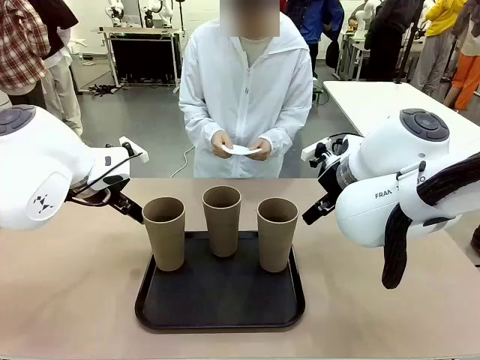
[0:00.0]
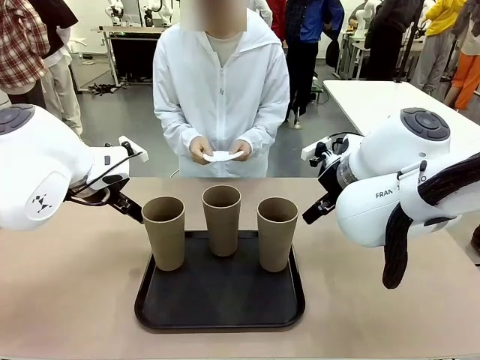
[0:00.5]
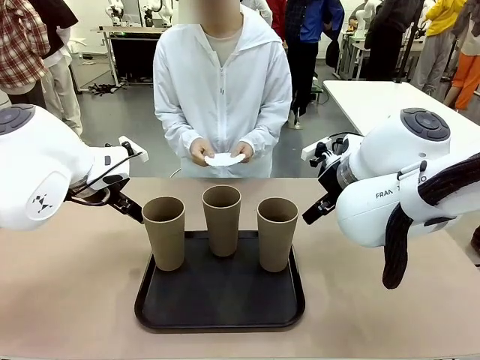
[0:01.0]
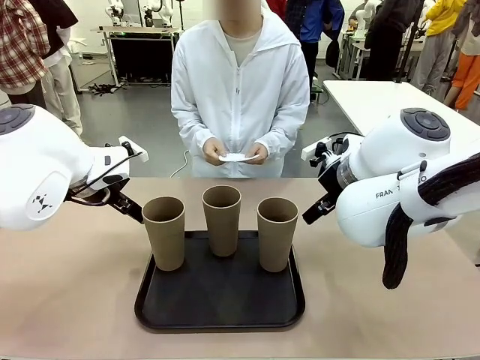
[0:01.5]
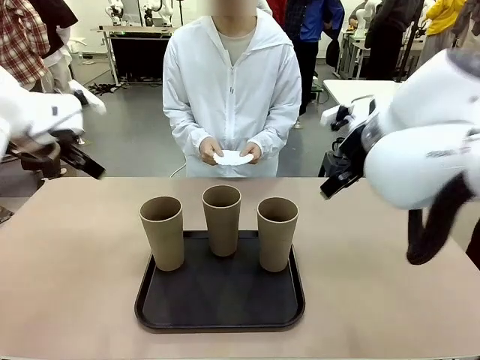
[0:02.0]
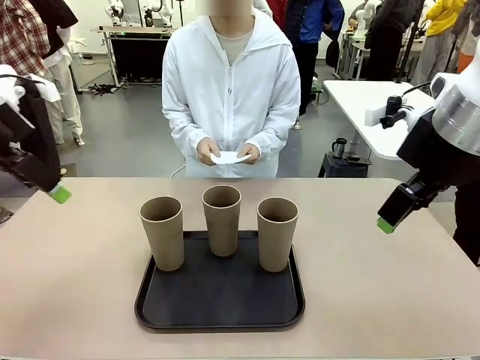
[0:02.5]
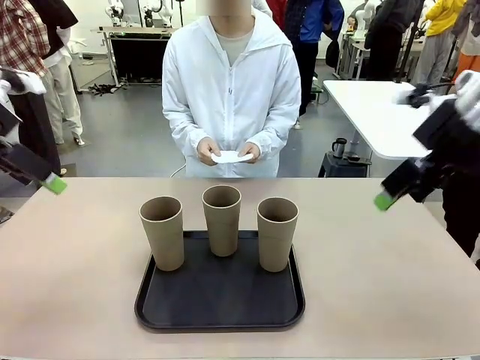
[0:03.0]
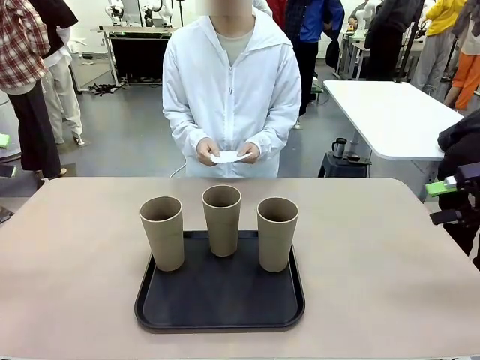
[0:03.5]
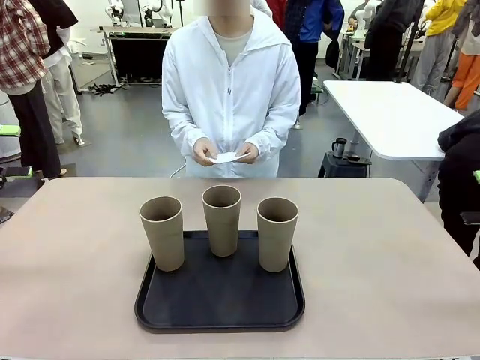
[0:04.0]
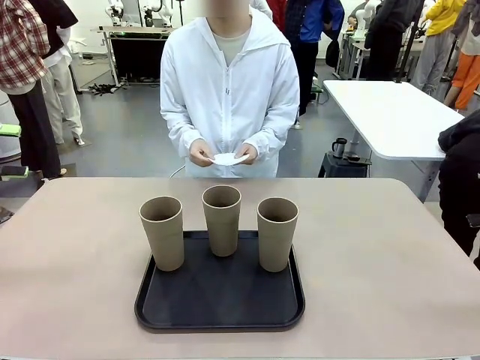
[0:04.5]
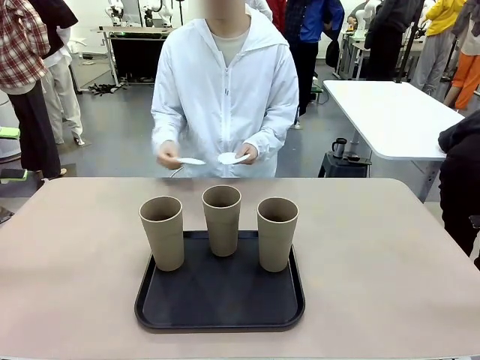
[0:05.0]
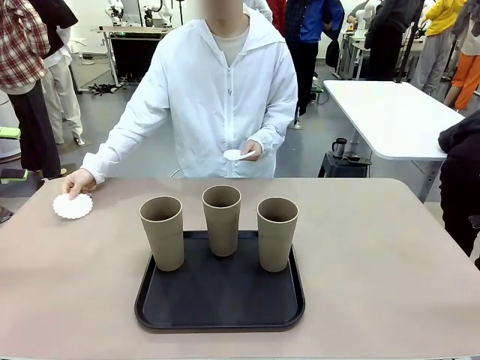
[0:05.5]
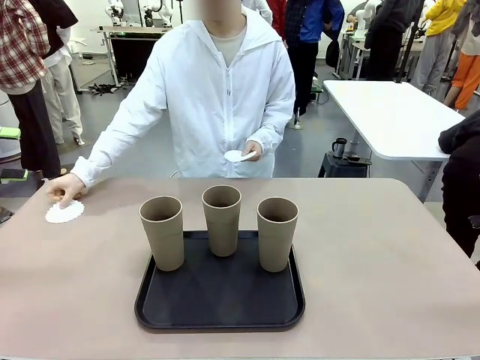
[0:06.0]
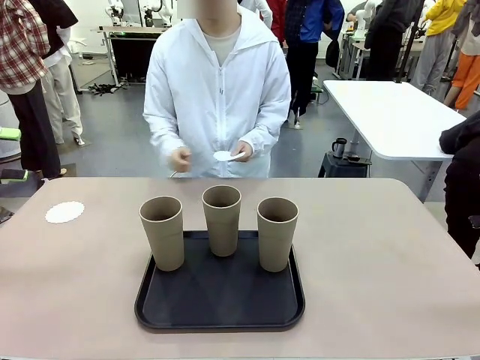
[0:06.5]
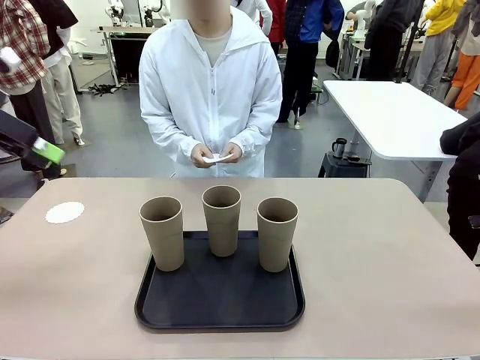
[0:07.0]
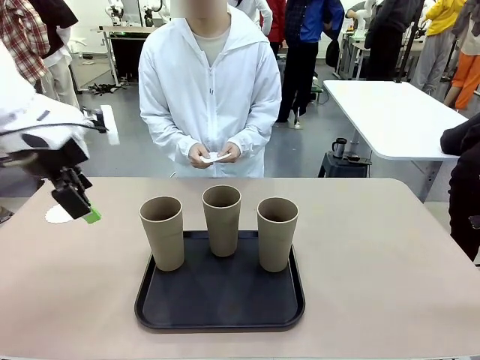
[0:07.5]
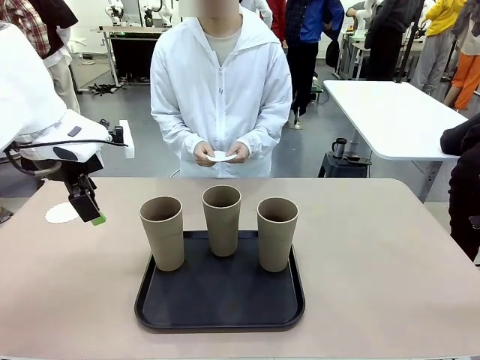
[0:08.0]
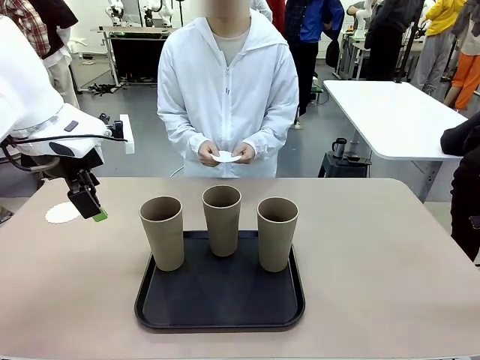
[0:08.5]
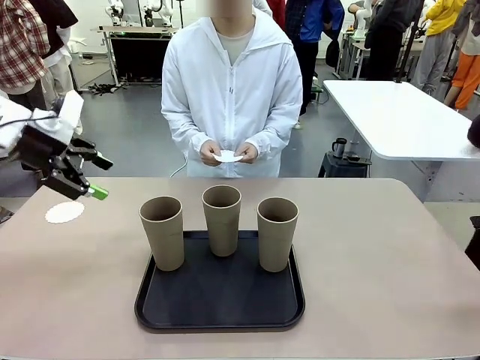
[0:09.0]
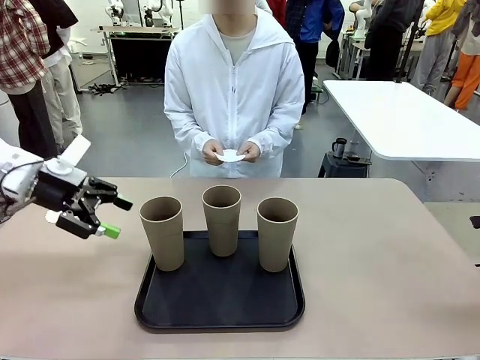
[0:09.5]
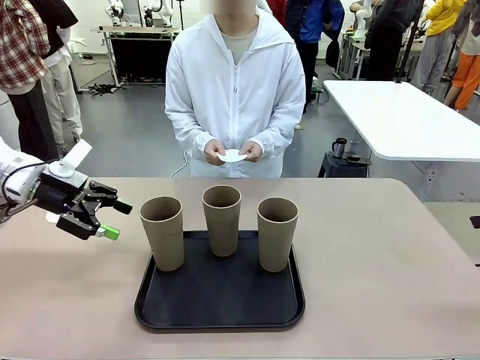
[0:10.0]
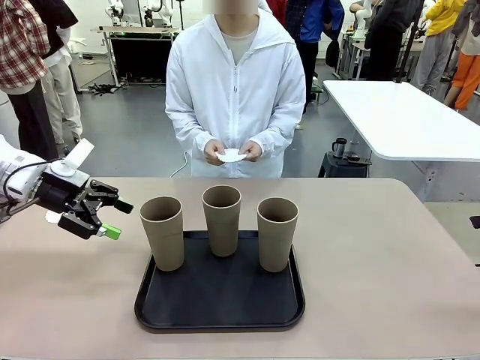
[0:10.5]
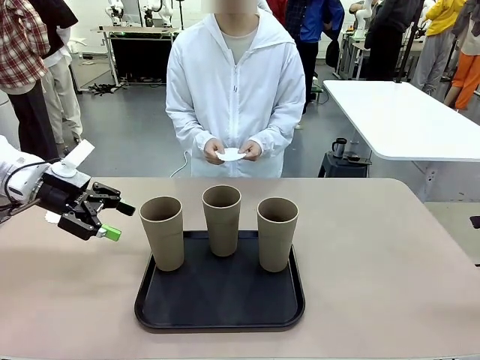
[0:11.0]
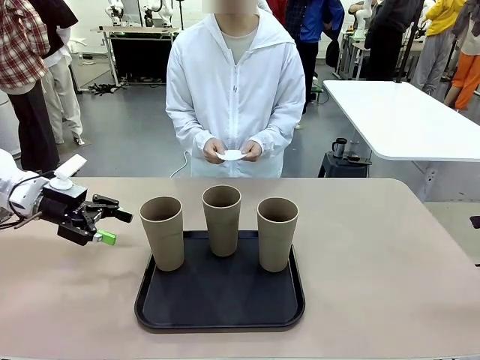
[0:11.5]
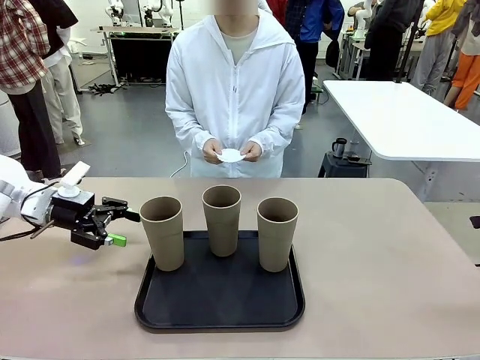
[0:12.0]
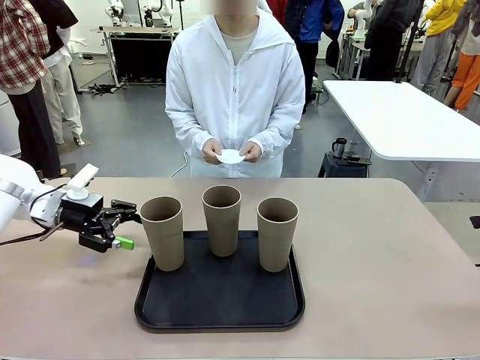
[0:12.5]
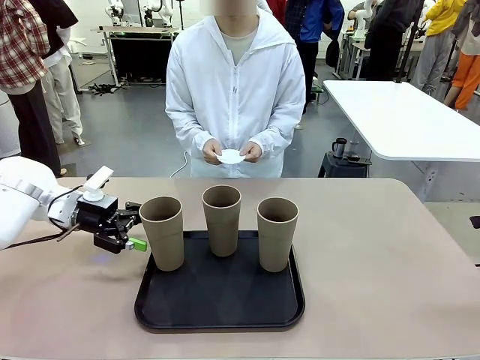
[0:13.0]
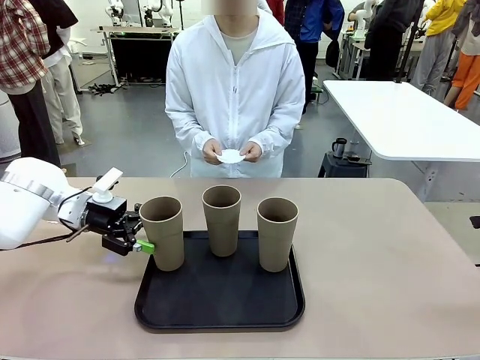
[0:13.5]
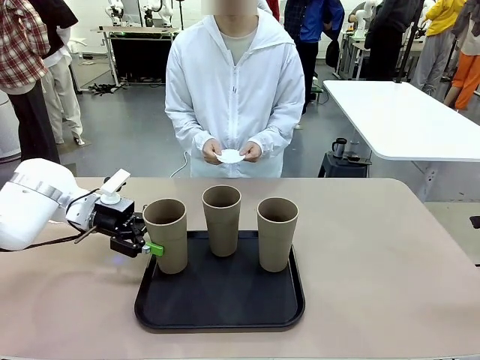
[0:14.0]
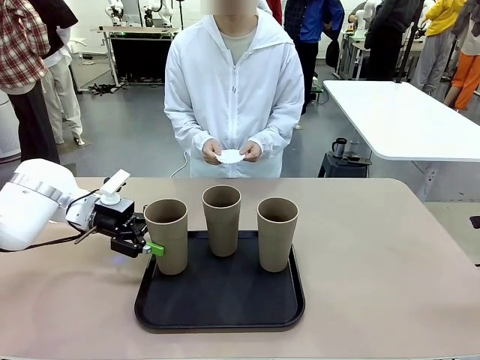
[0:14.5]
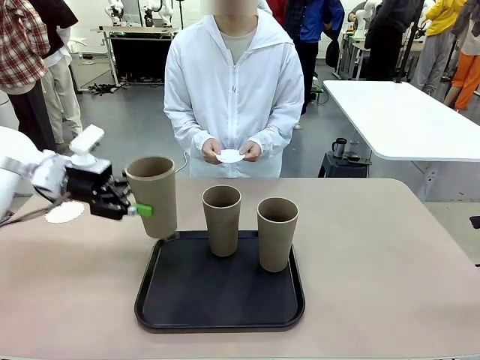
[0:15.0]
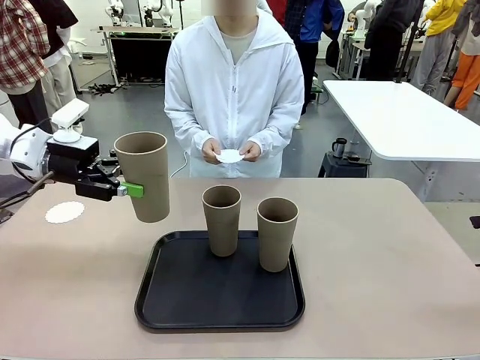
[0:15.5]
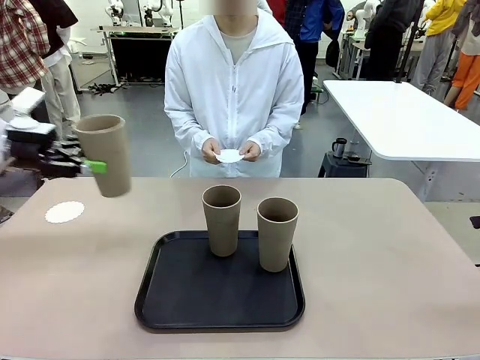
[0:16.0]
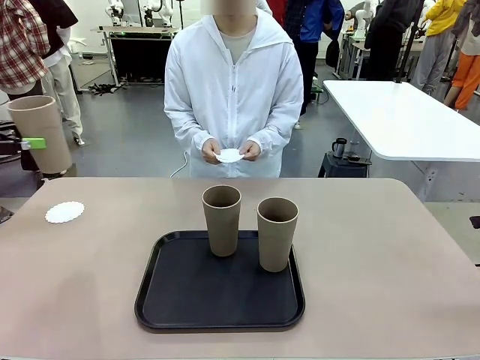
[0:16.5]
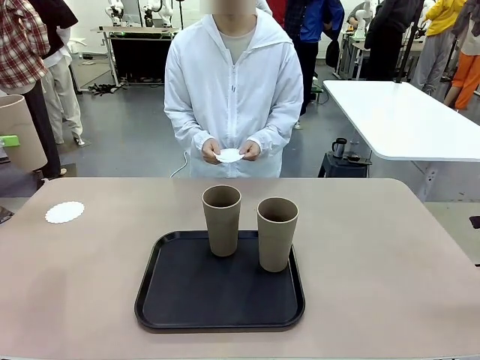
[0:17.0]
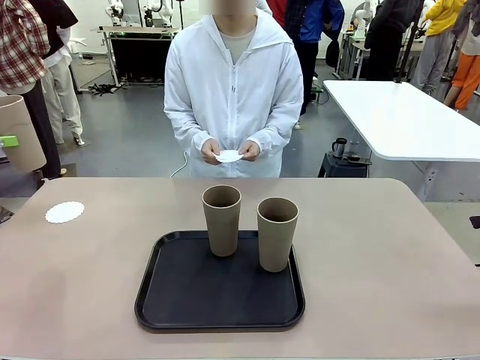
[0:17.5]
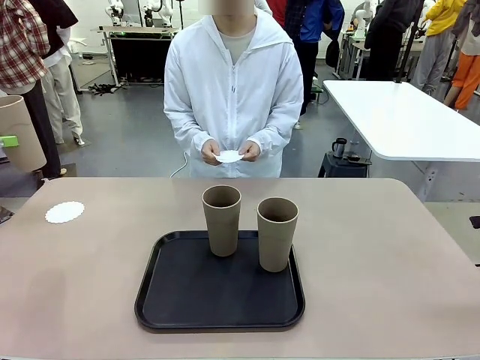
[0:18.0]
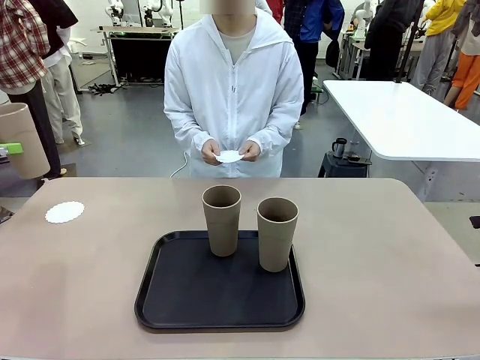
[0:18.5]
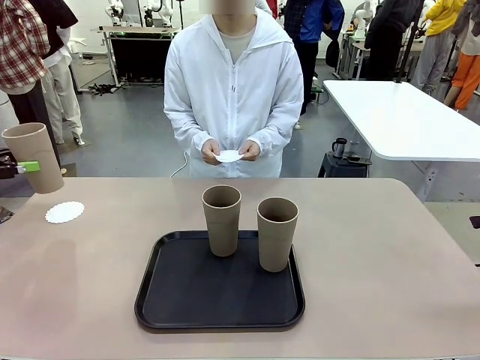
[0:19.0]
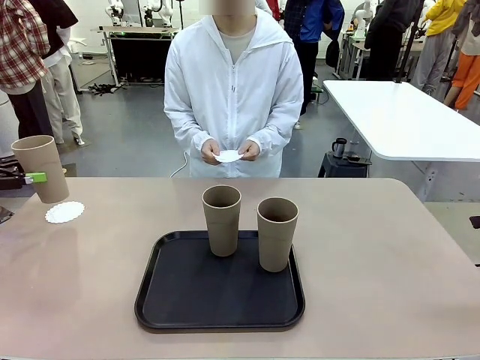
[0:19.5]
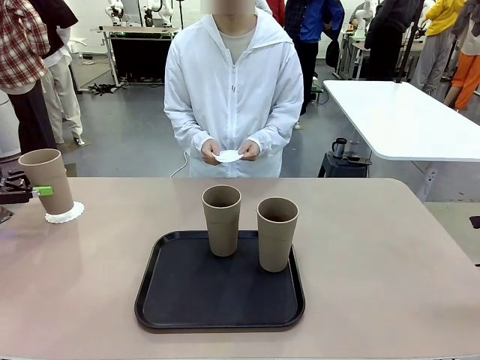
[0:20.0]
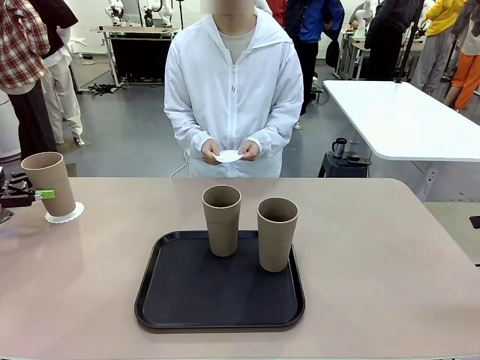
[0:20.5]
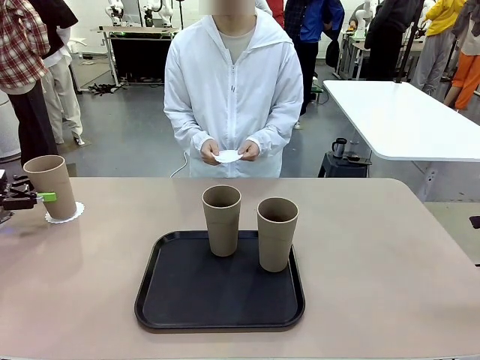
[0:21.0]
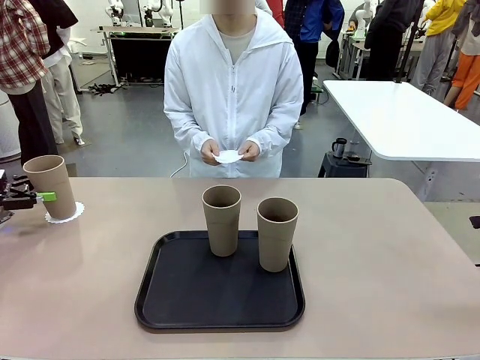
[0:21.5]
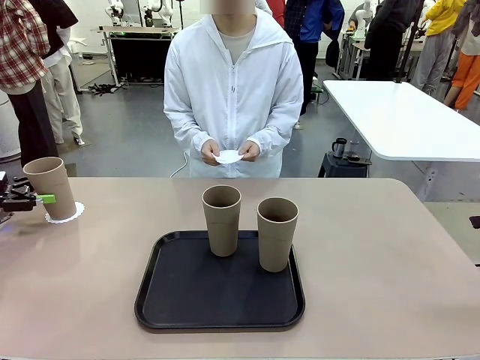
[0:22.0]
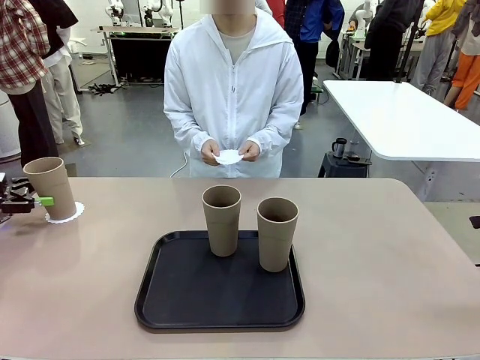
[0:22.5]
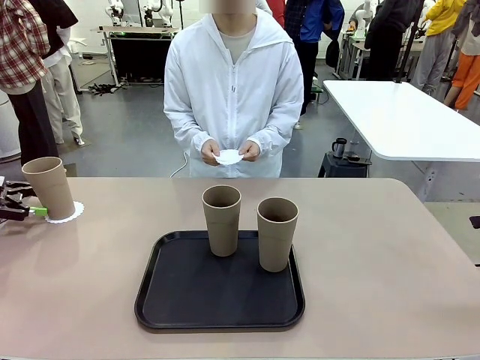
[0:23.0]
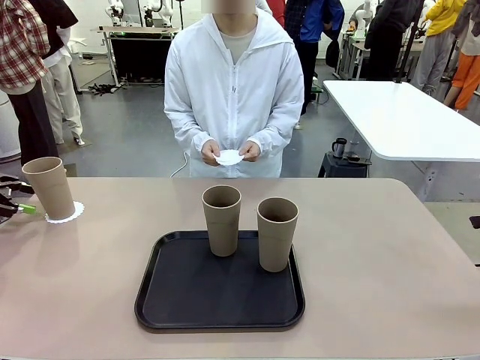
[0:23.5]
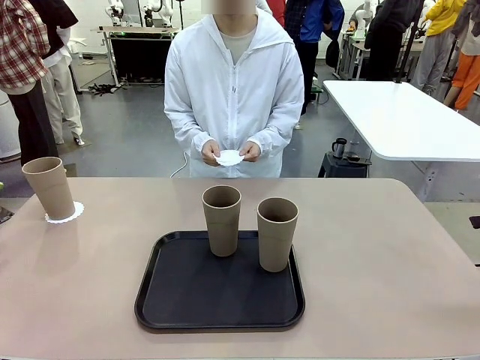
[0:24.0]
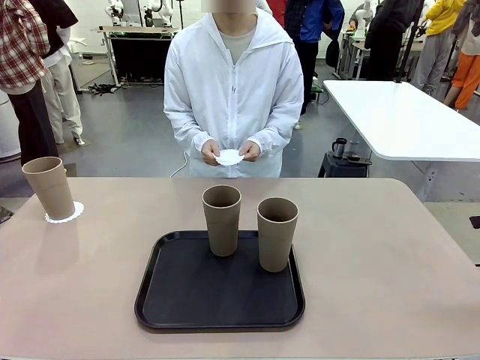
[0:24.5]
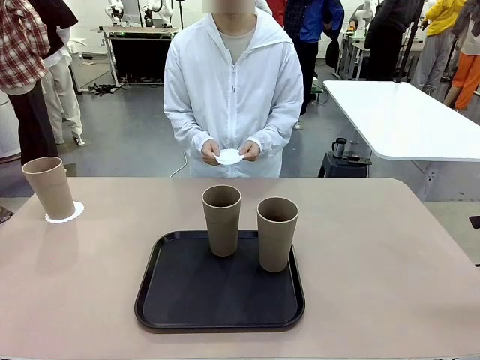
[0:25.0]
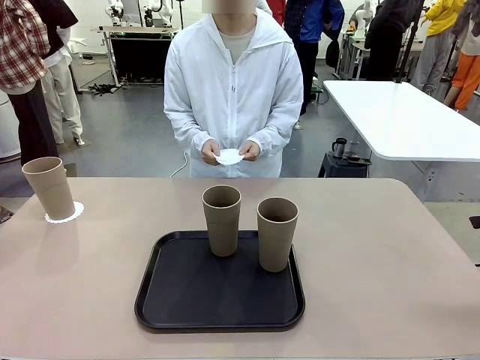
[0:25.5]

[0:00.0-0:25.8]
Task: Place coasters on the table and set cups on them.
Robot: Pick up one Reusable plastic cup and place it on a coaster set by the human.
Person: Place one coaster in any one of the three lower areas of the robot table (left, center, or right). Place one coaster in one of the two areas excluding the previously selected area.
